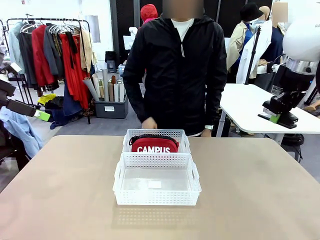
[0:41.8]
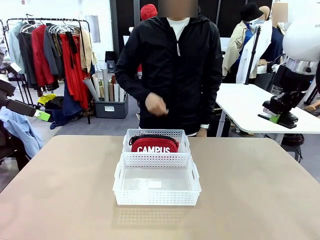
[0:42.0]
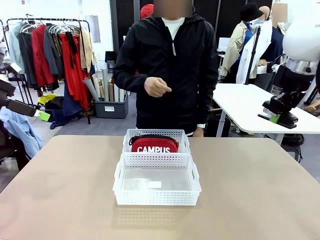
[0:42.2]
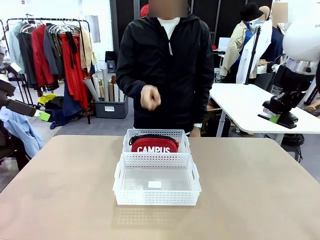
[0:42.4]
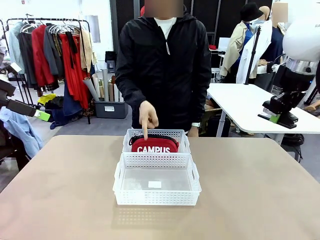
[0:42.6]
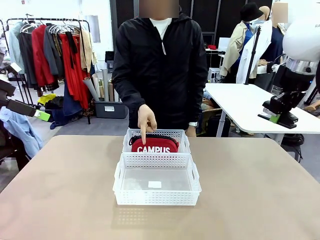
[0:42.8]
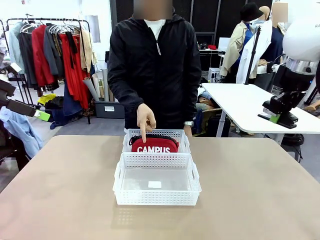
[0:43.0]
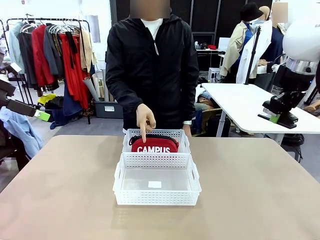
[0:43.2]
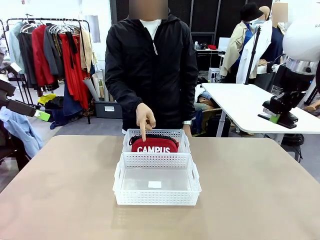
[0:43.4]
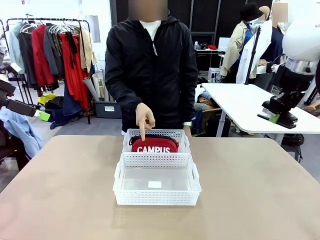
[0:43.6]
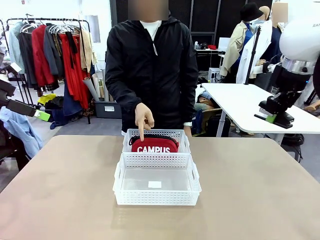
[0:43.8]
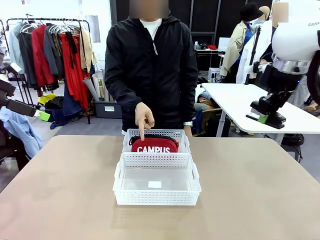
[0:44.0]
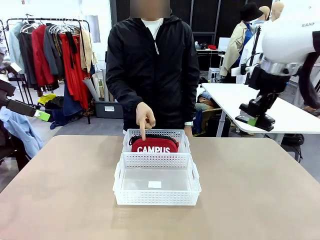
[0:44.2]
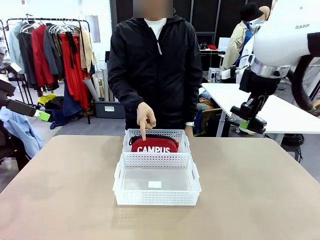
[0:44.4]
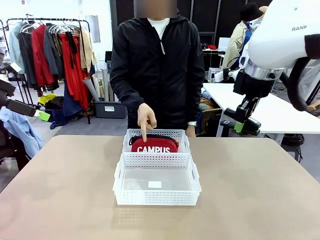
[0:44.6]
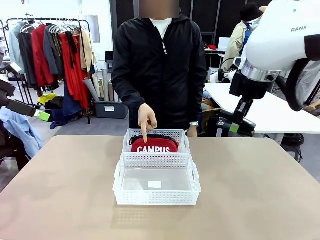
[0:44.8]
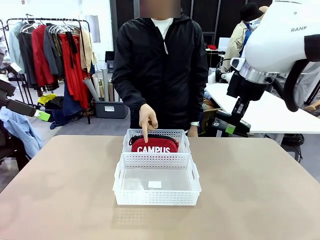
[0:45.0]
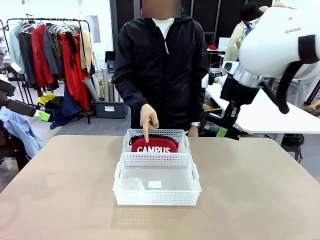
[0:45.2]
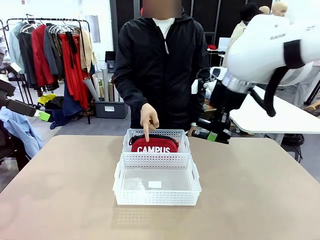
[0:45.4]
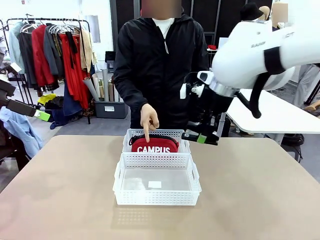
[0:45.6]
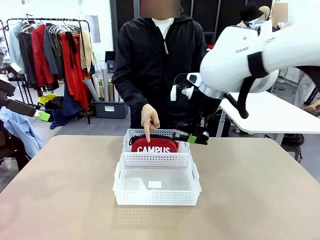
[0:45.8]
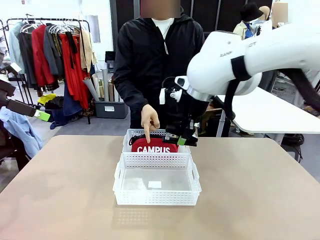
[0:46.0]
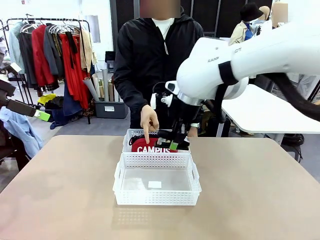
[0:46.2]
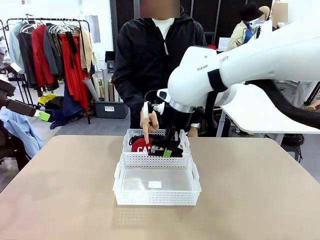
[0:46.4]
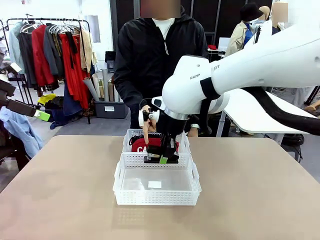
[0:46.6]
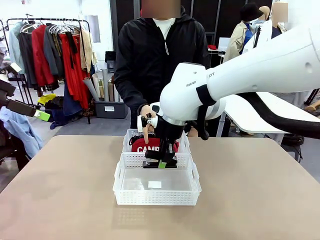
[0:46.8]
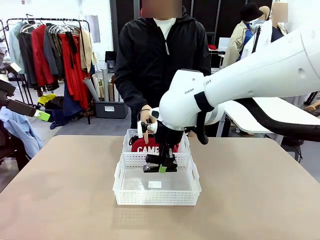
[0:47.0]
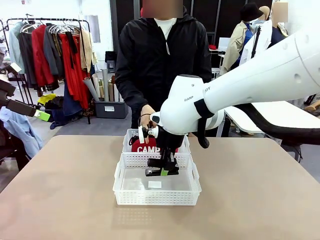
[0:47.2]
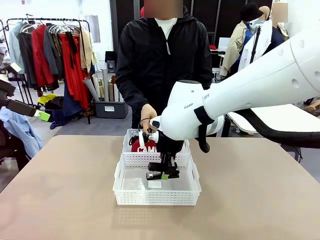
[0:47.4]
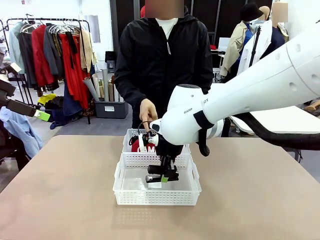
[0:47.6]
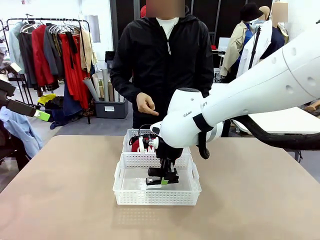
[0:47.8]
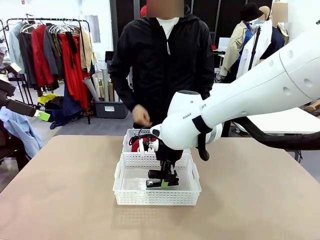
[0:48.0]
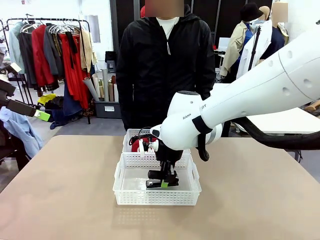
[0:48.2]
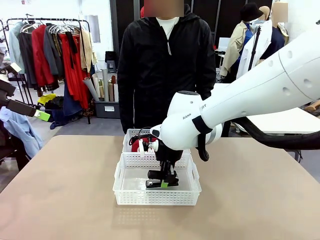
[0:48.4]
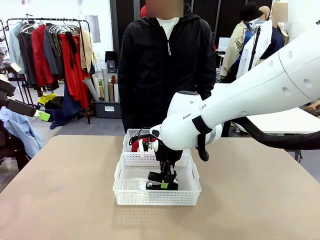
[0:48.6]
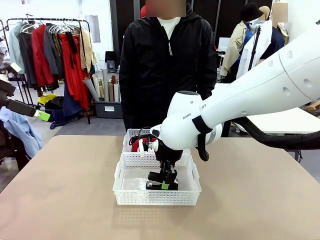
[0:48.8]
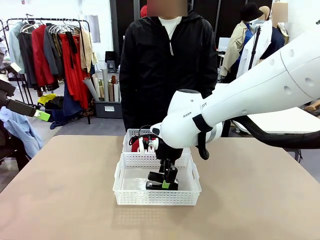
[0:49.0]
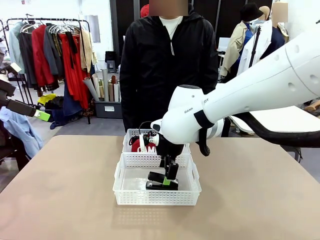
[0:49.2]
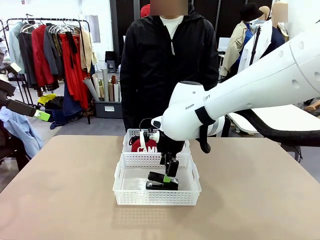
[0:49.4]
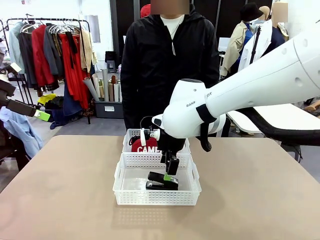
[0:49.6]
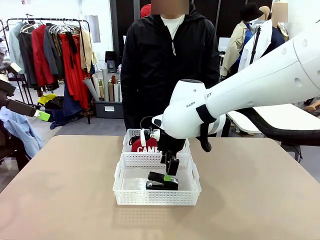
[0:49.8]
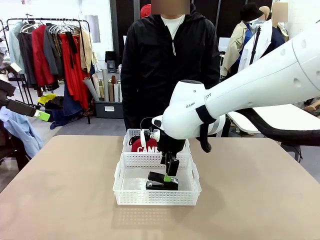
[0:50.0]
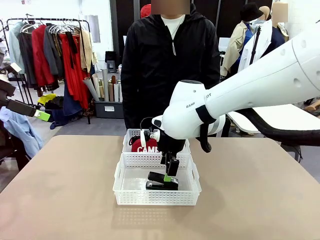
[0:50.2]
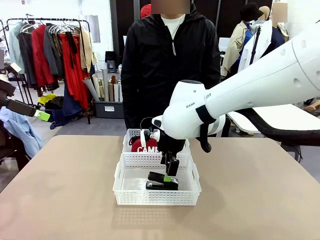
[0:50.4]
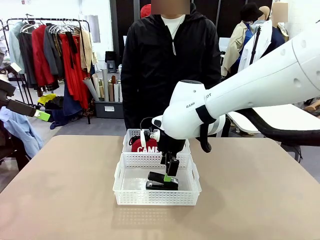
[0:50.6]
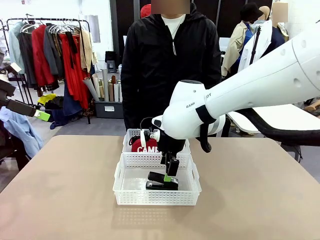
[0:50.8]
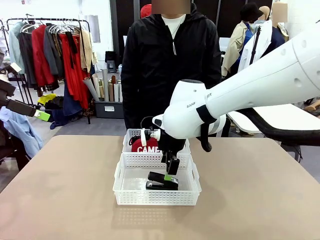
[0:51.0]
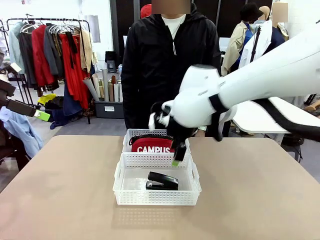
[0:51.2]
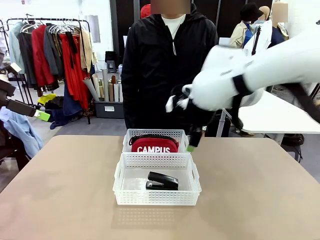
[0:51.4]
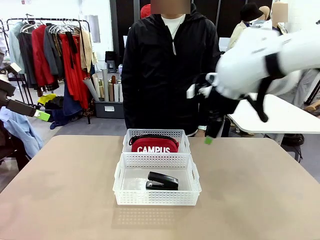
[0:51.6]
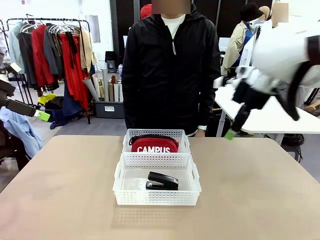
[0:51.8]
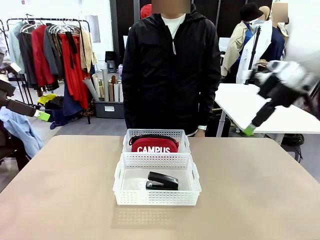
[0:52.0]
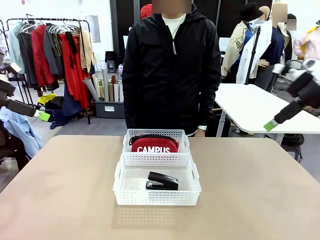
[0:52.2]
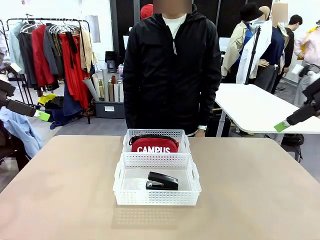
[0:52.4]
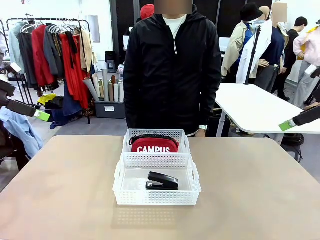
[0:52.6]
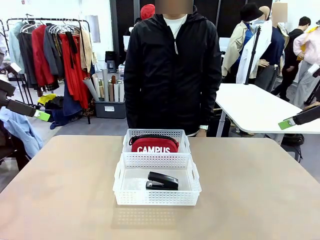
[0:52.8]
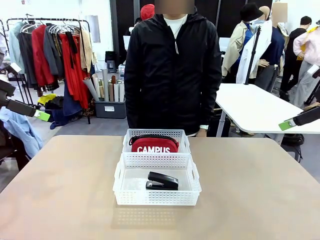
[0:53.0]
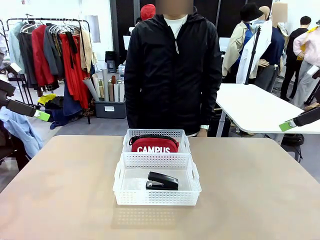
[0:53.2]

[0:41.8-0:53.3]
Task: Distribute items into two baskets.
Robot: Place the picked Stapler into the Organizing basket as instructed by the person.
Person: Points to the basket that does not contain the pencil case and instructs the robot to move the stapler there.

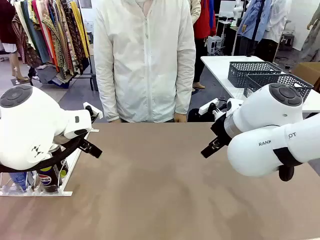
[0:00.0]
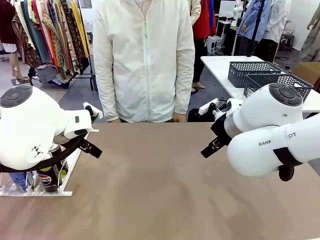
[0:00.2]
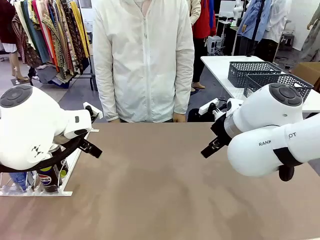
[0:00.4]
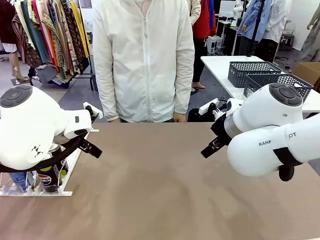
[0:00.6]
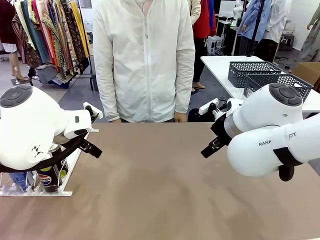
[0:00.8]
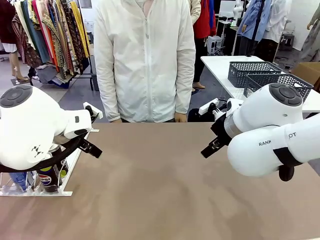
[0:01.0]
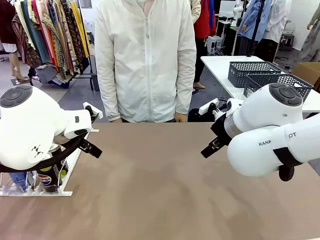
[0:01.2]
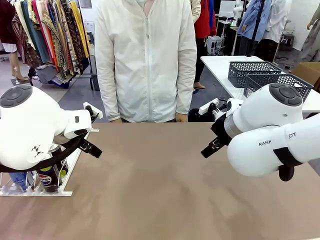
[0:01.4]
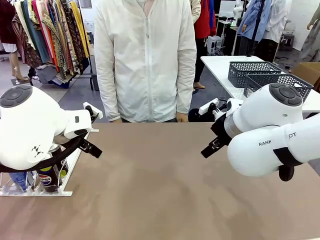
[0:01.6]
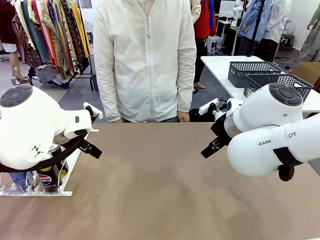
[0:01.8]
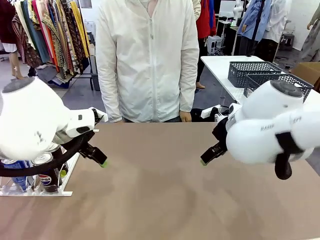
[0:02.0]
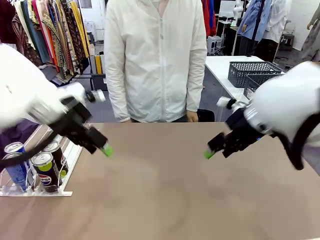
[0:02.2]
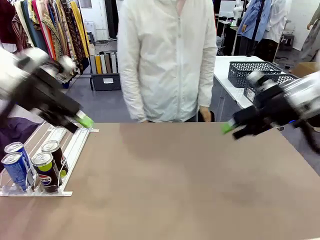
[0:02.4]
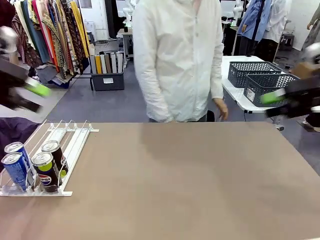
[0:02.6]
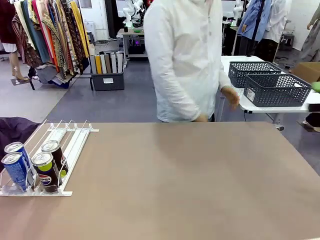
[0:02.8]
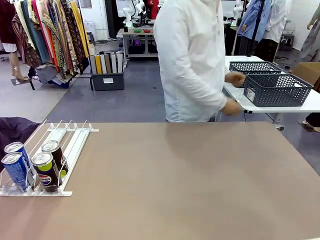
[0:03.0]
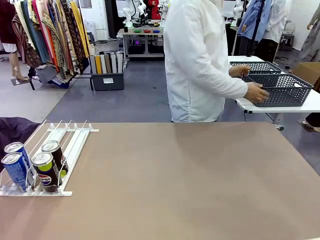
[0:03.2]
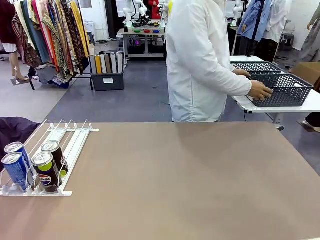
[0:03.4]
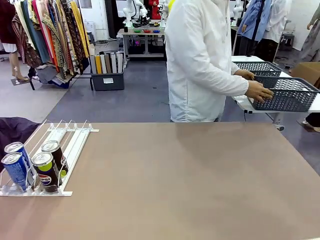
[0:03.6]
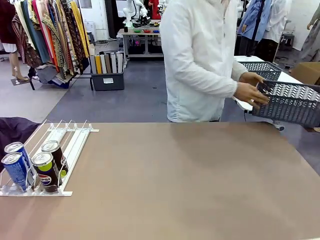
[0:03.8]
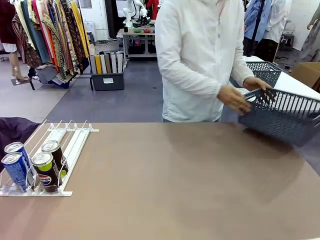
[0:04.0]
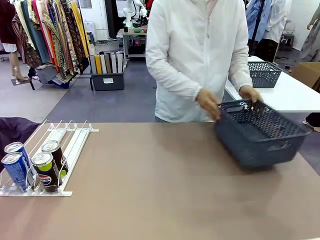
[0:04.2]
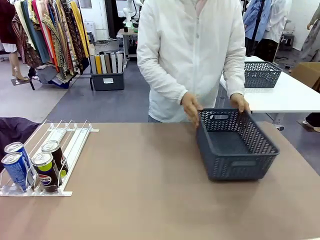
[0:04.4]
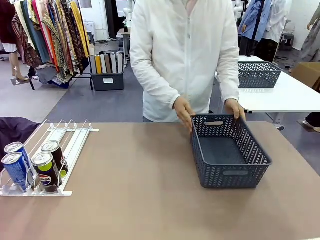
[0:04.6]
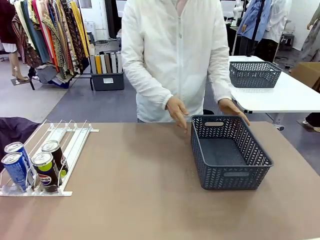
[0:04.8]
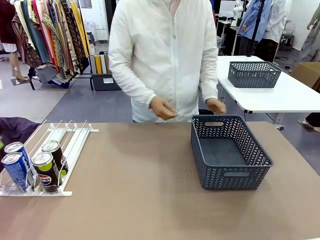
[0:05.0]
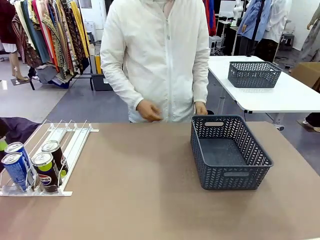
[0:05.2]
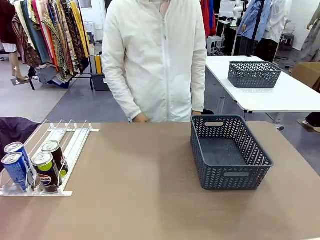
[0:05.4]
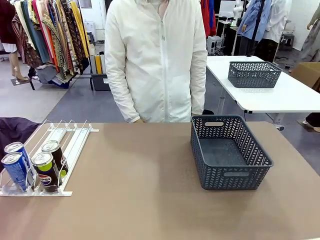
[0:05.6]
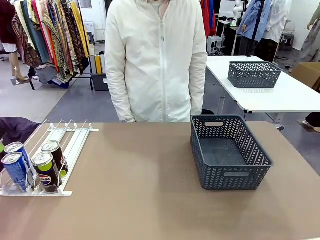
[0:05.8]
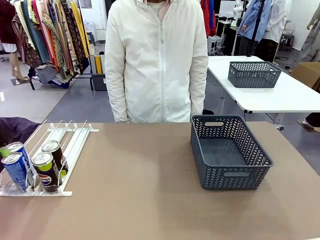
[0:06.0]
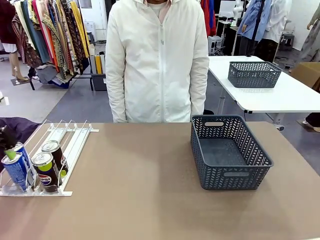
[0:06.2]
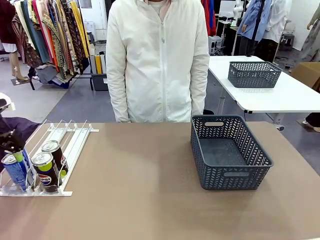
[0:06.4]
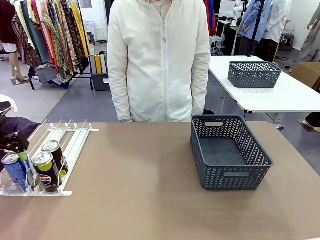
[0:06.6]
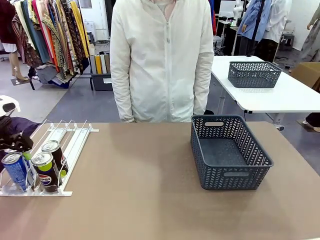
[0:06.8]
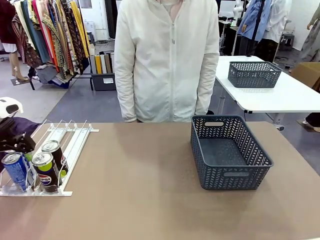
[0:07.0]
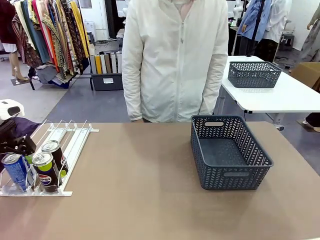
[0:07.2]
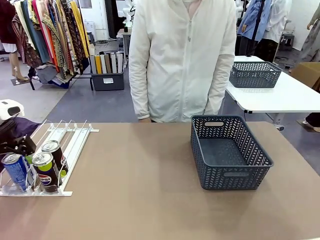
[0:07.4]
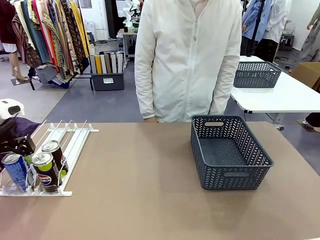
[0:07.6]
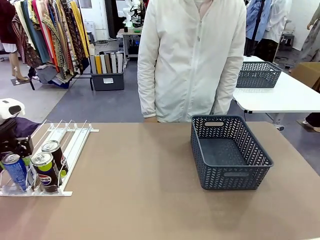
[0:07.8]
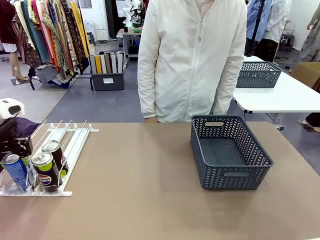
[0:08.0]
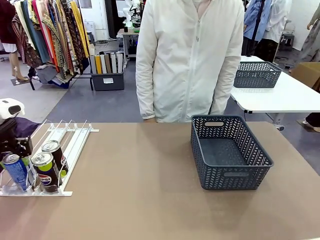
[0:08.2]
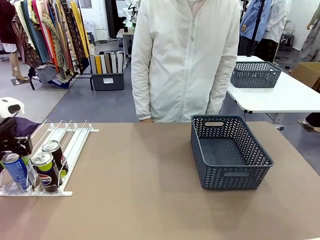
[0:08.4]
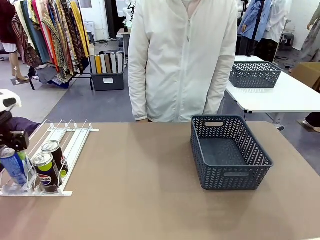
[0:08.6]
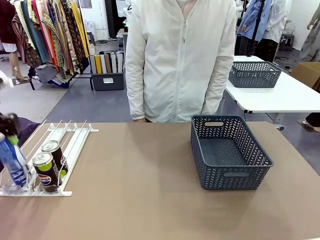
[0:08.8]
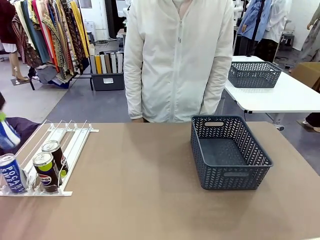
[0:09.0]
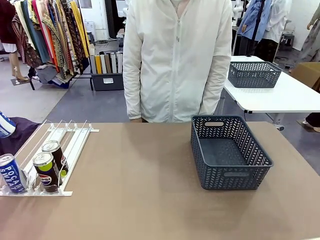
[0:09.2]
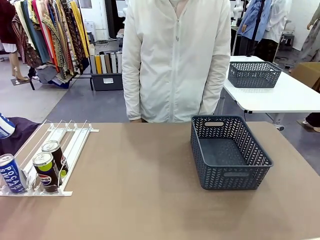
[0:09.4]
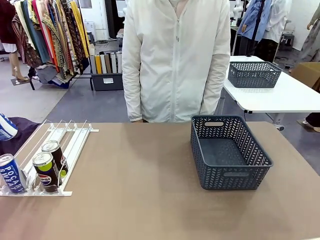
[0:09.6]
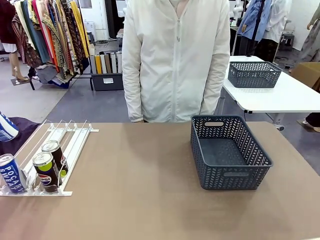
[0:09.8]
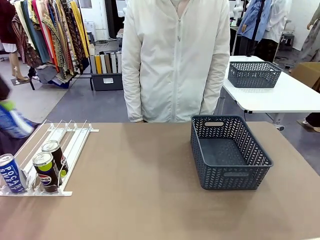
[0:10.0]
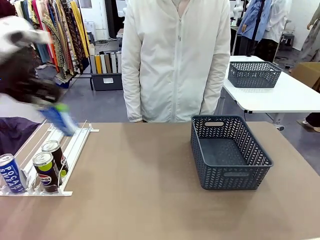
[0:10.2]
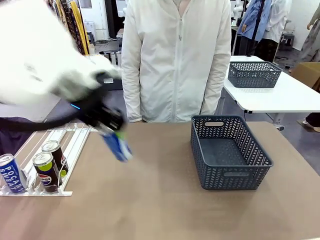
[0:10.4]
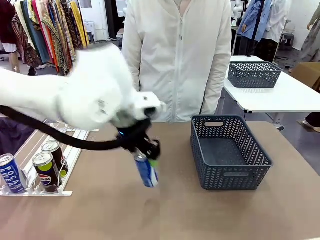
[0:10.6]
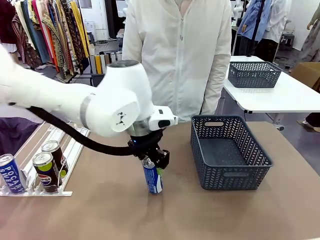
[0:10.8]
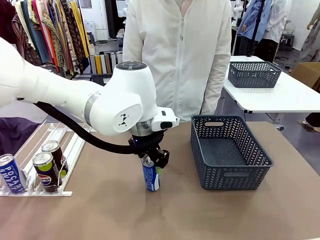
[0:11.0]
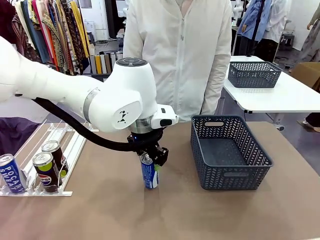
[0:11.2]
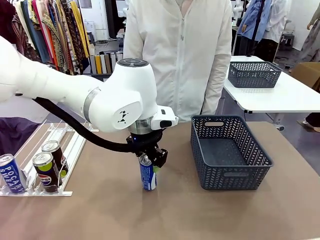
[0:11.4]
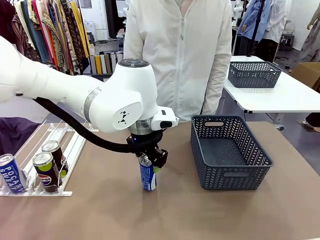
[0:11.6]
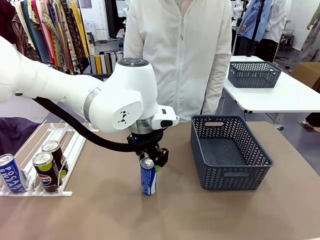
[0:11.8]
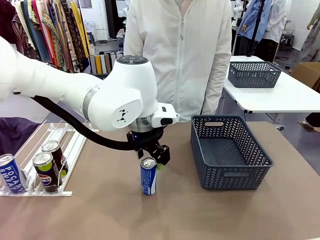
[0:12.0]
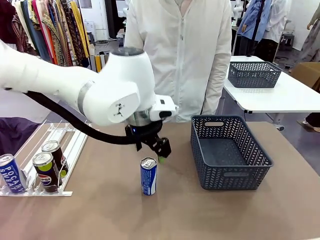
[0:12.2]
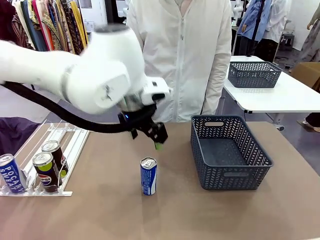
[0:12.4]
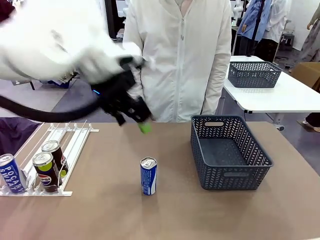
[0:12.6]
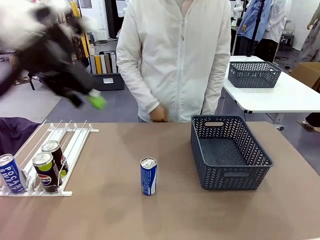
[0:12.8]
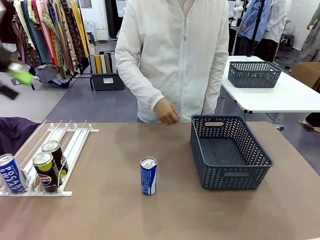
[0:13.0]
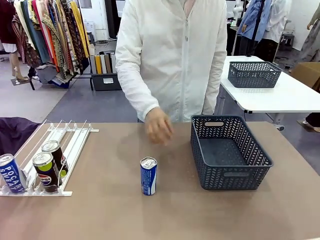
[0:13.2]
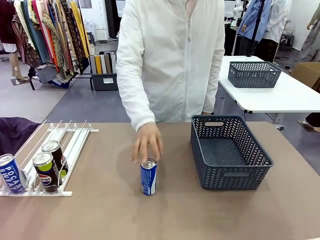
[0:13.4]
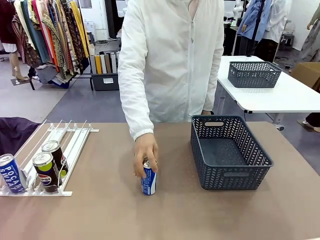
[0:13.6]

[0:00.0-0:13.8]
Task: Retrieve and store the cans from the dispenser.
Robot: Pick up one can from the Automatic Can Dispenser and place it in the middle of the table.
Person: Pick up the basket and place it on the left side of the robot table.
